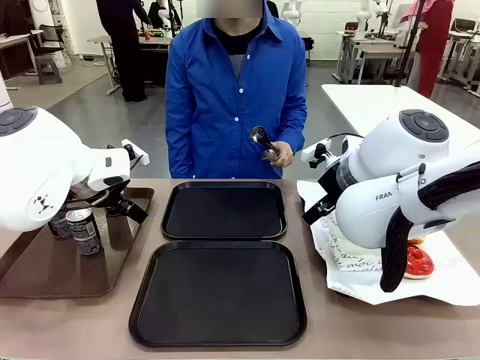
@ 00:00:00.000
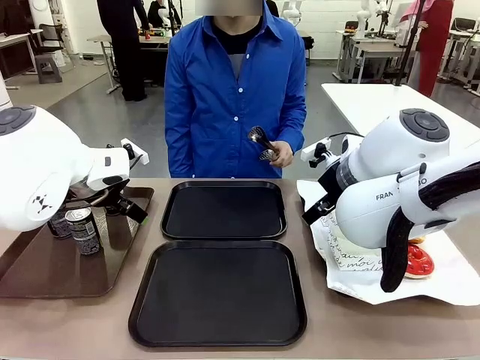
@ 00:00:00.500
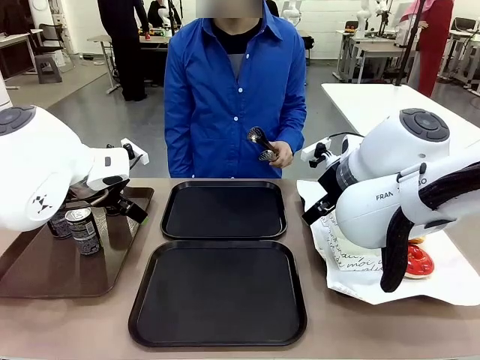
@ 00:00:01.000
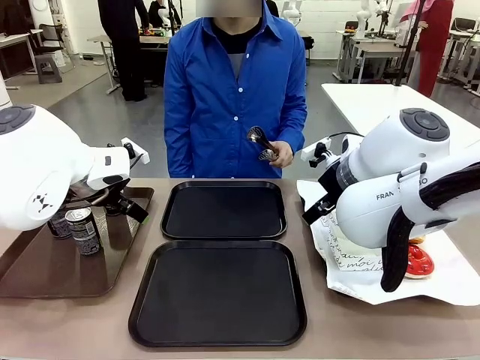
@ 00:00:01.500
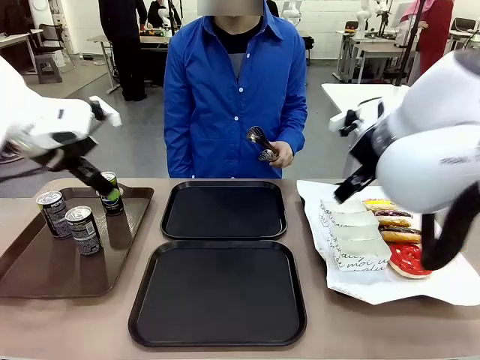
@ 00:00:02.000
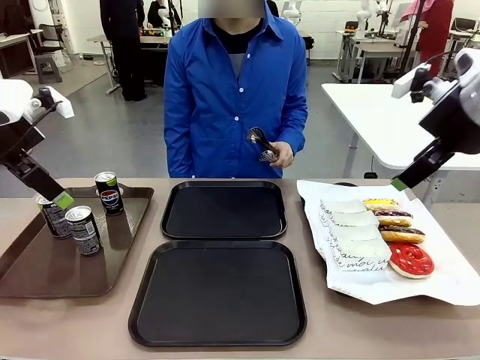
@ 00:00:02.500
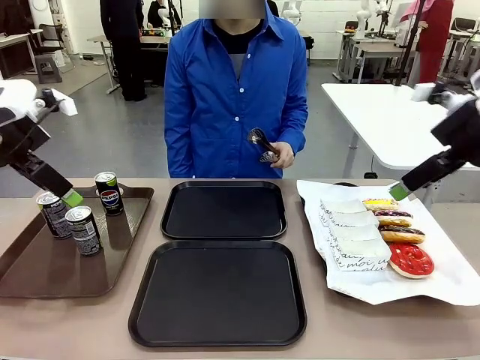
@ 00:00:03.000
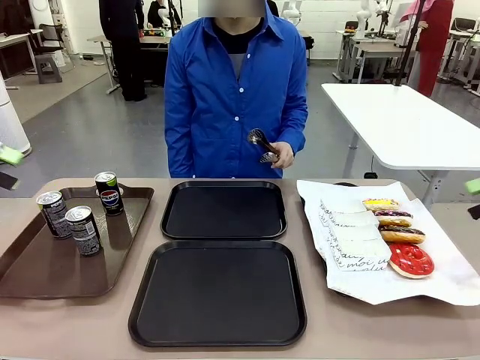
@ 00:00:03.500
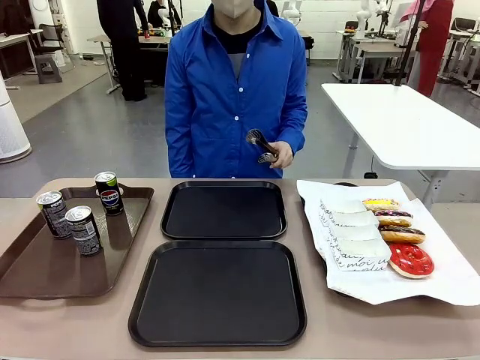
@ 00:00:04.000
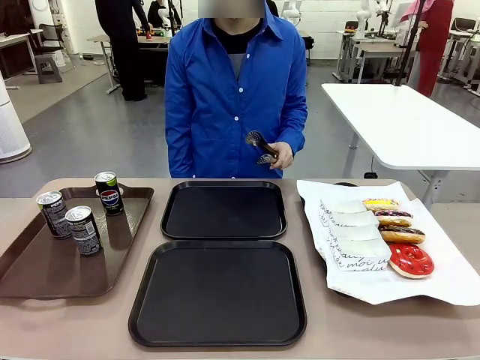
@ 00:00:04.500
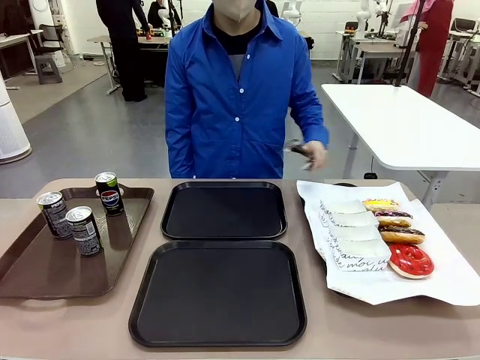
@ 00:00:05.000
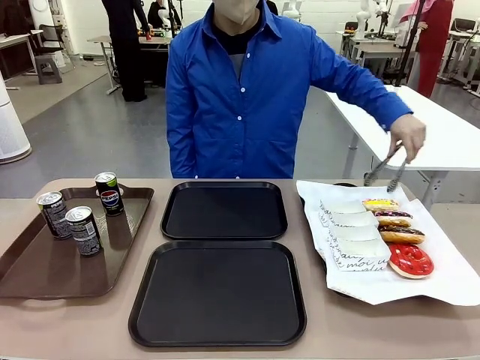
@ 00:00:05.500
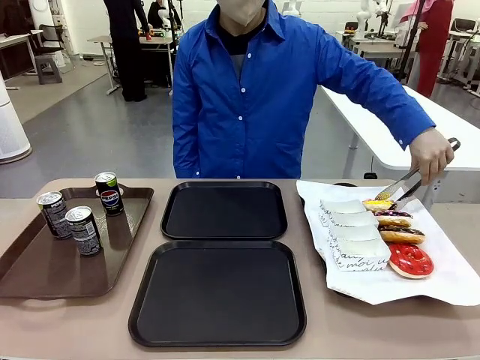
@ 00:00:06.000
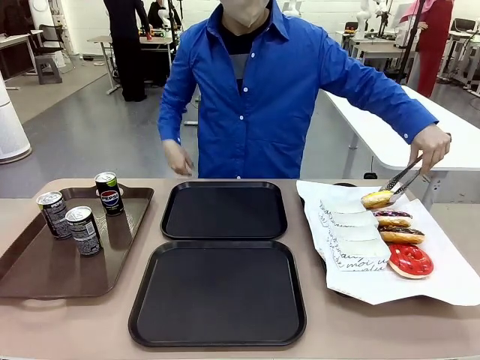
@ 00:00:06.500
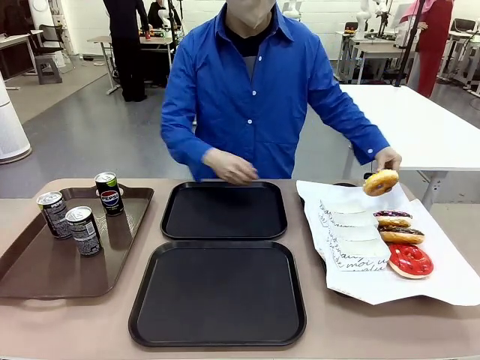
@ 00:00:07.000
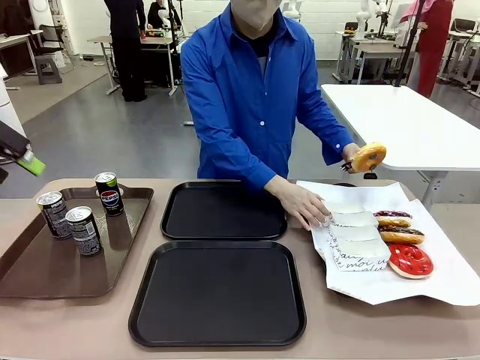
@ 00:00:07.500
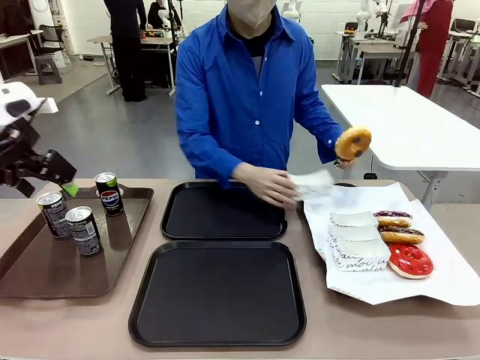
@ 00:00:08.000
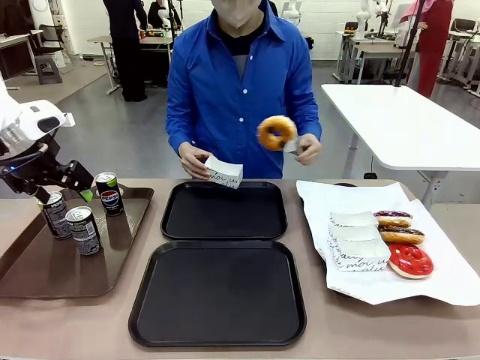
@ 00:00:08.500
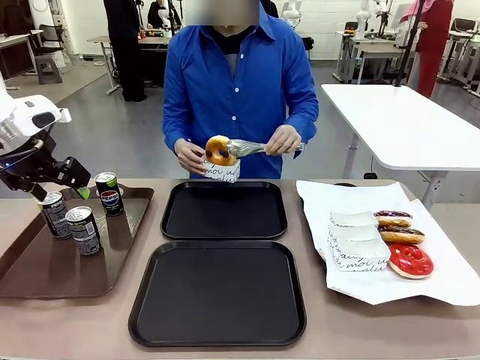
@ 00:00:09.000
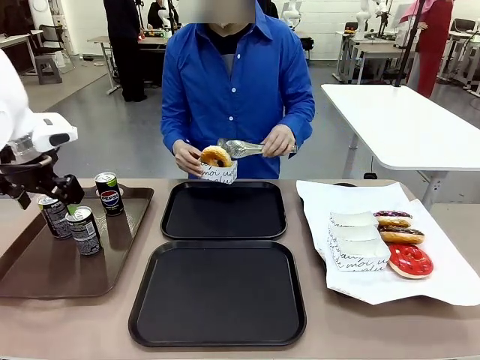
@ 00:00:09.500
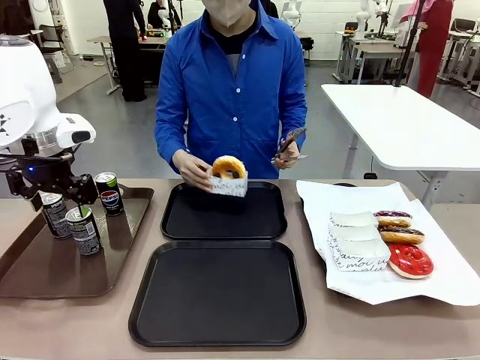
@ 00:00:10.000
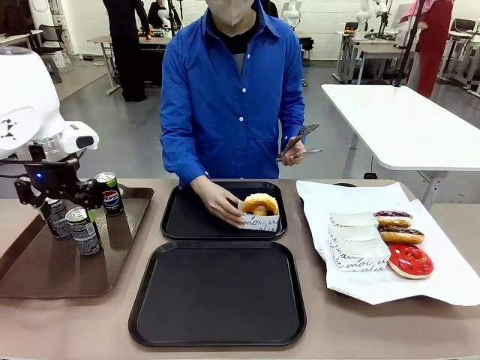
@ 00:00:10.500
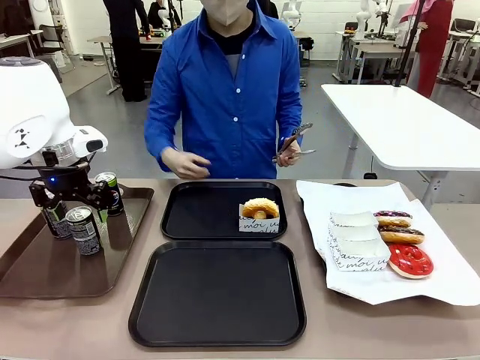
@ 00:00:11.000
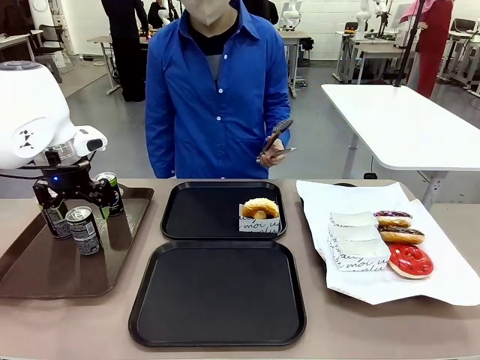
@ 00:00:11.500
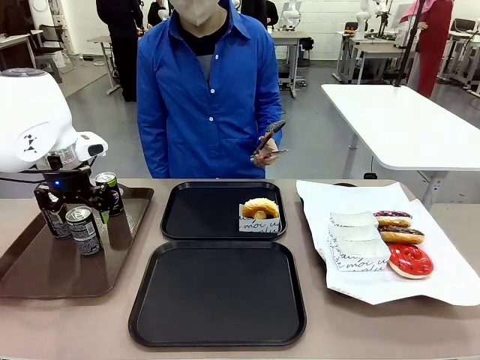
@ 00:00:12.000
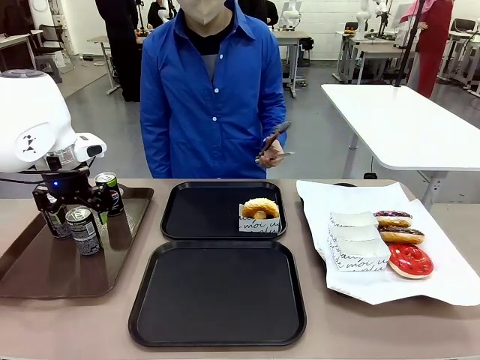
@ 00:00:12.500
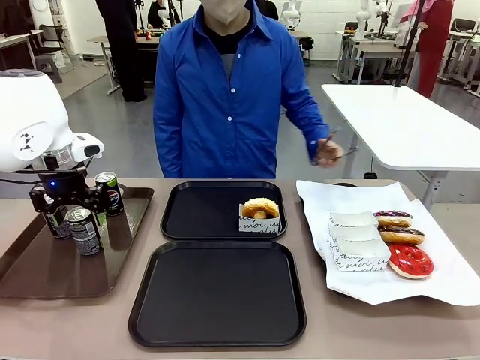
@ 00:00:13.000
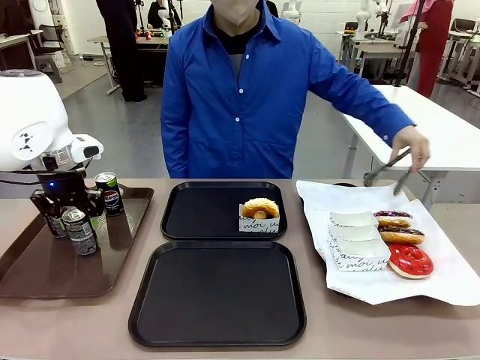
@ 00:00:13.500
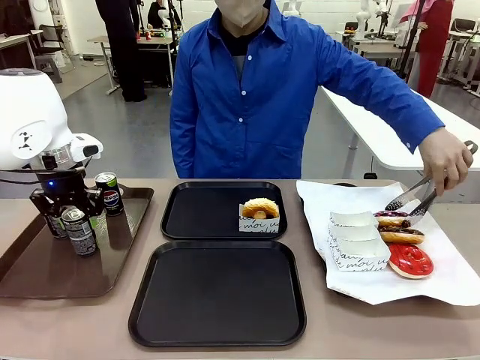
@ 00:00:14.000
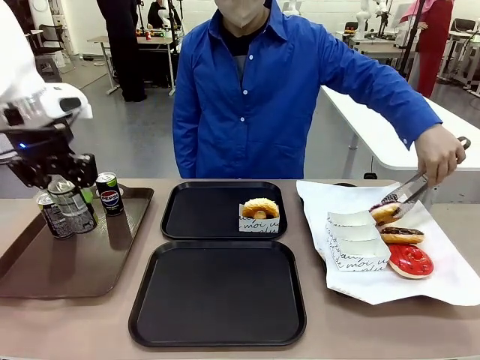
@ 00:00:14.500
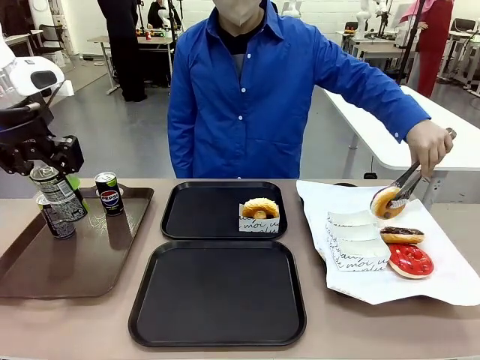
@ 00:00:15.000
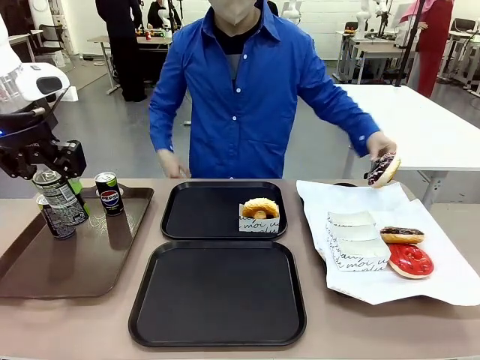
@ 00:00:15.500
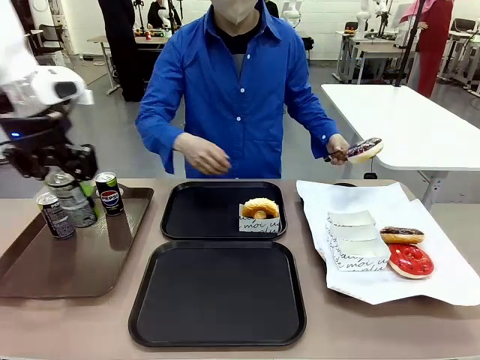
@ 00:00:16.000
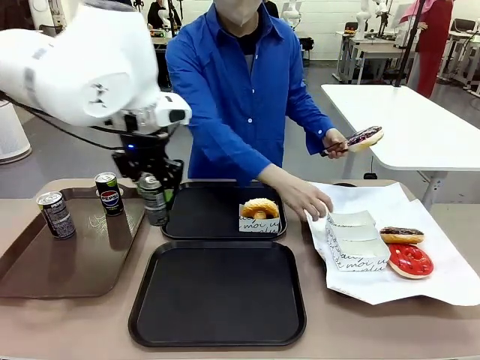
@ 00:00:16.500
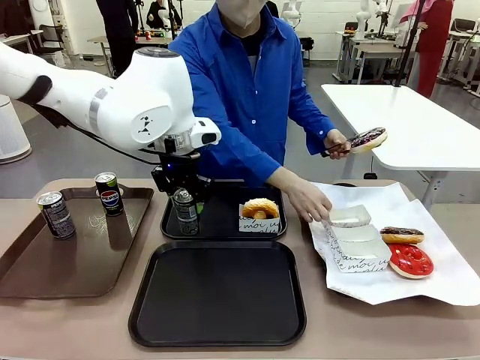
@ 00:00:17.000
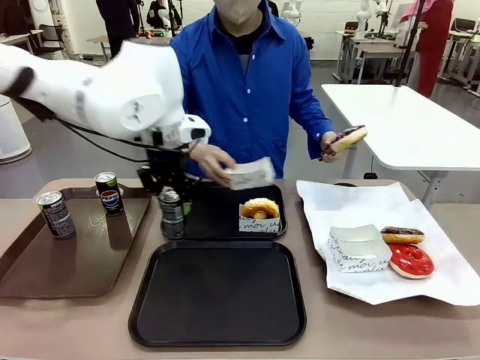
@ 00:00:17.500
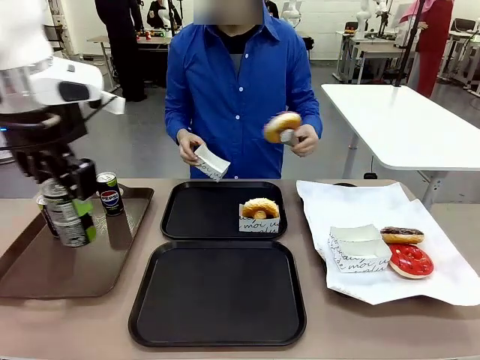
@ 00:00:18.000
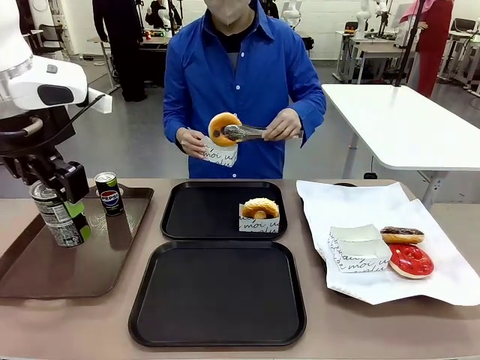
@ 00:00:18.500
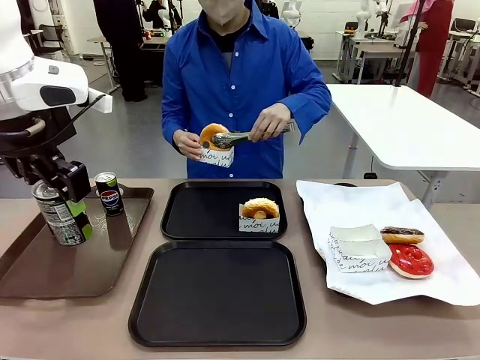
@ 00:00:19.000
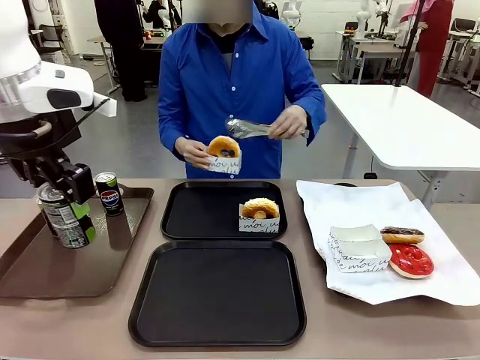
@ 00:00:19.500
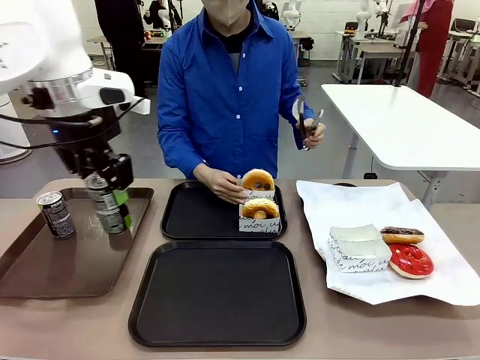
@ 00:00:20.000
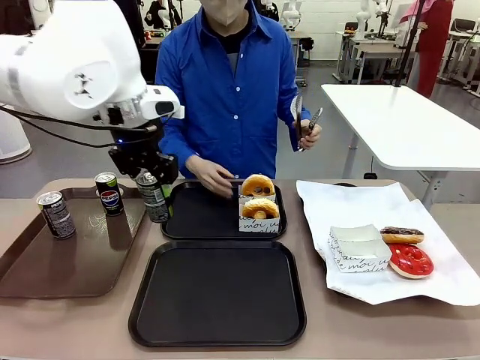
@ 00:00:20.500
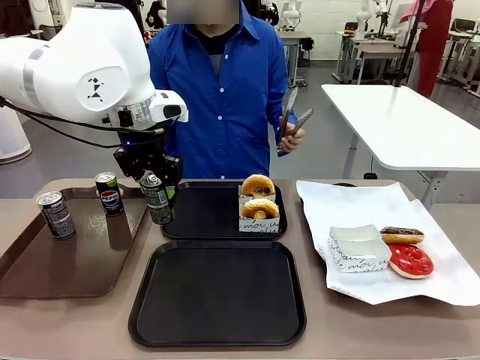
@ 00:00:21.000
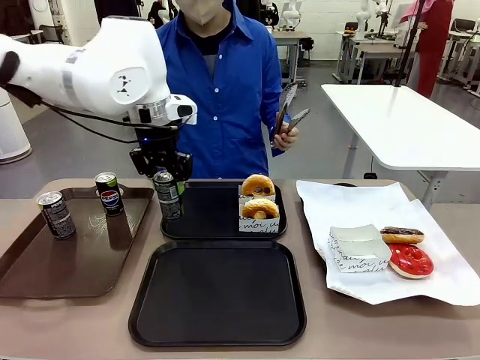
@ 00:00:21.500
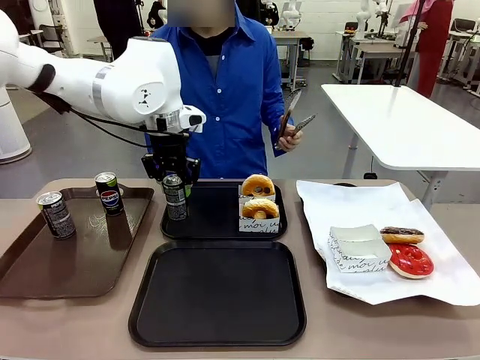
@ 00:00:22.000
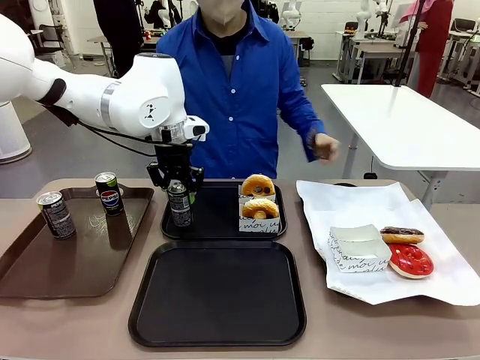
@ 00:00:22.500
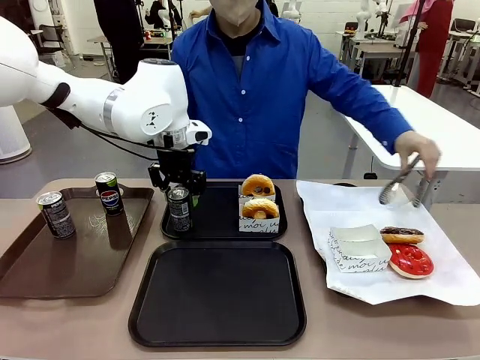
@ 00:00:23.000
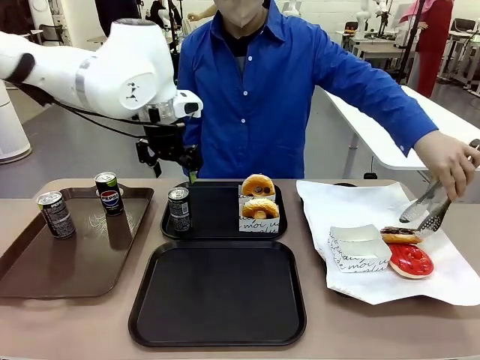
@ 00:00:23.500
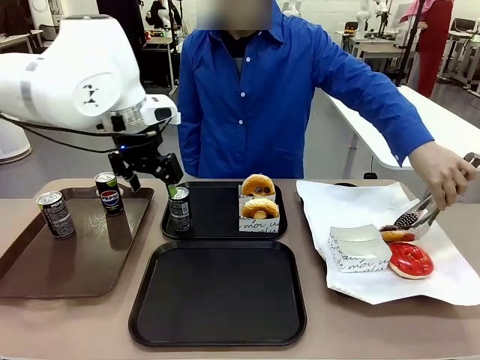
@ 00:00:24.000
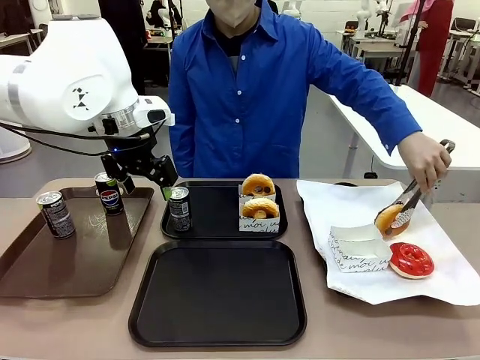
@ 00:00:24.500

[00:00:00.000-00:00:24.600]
Task: Set up donuts and drinks on trays.
Robot: Pick up one Pepsi coke and place it on the Flat Tray.
Person: Pick up one donut with tongs, place it in the donut tray, and then place the donut tray on the flat tray.
